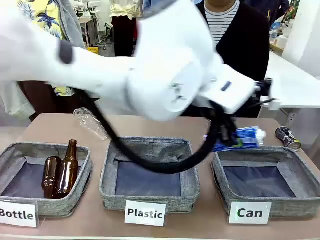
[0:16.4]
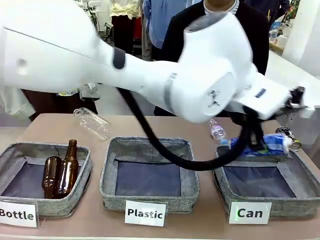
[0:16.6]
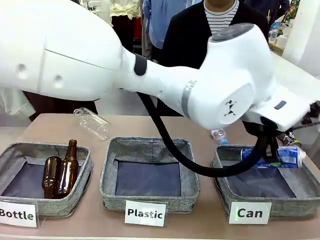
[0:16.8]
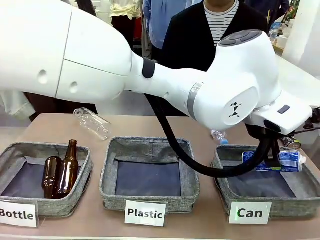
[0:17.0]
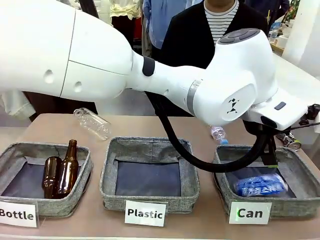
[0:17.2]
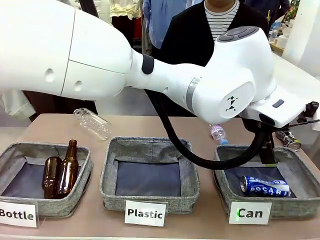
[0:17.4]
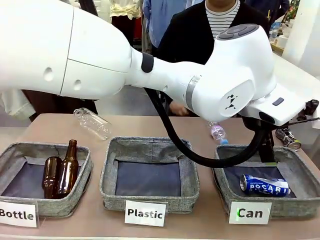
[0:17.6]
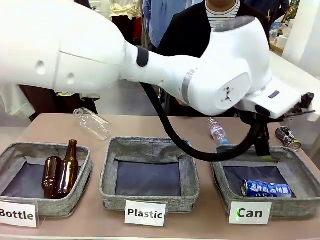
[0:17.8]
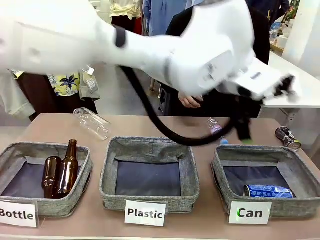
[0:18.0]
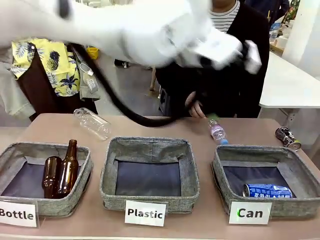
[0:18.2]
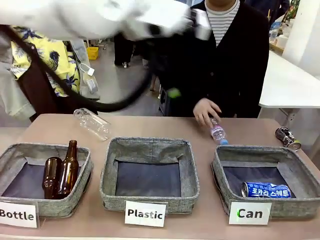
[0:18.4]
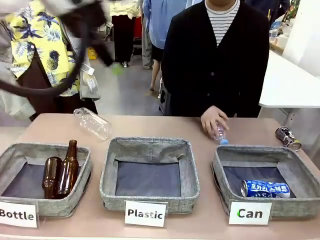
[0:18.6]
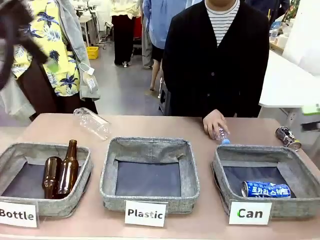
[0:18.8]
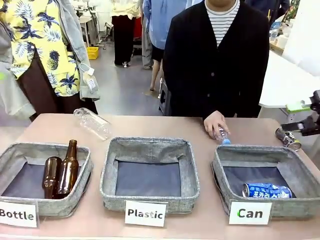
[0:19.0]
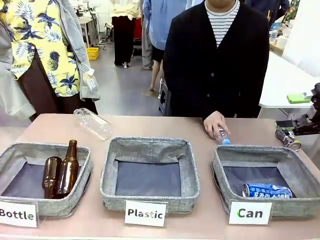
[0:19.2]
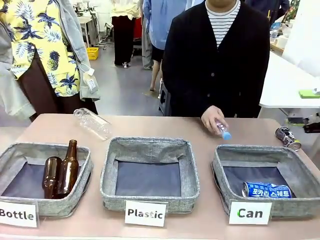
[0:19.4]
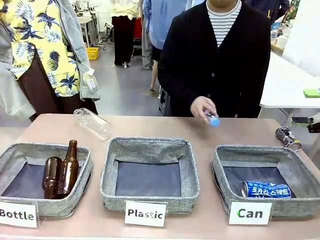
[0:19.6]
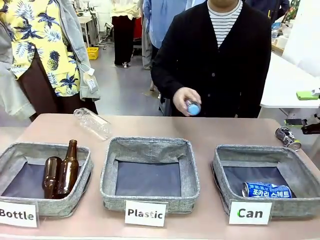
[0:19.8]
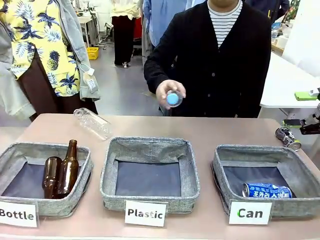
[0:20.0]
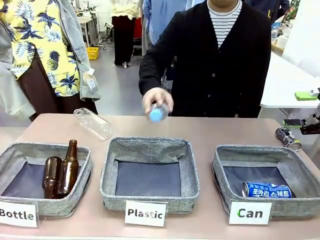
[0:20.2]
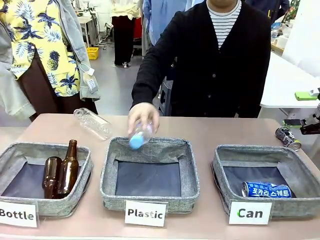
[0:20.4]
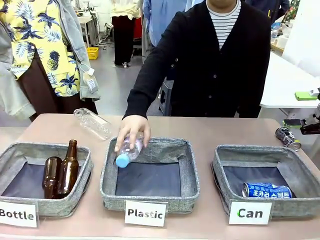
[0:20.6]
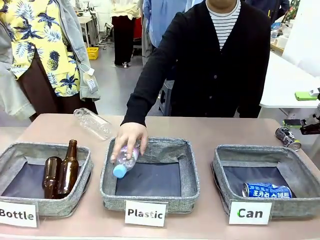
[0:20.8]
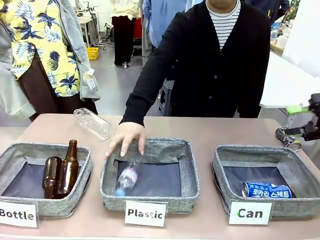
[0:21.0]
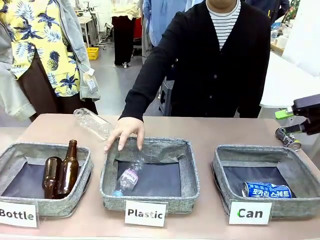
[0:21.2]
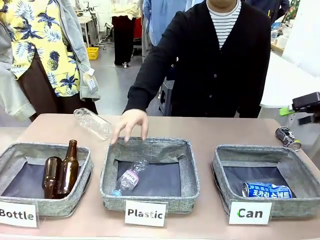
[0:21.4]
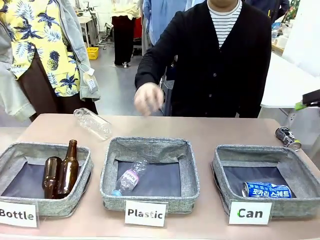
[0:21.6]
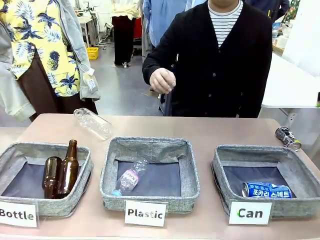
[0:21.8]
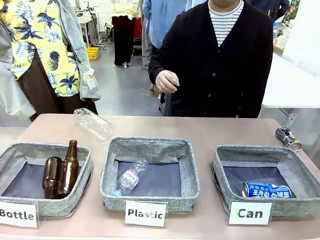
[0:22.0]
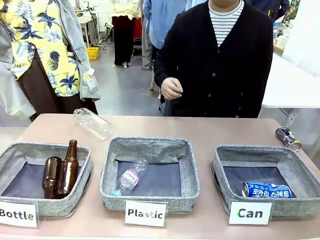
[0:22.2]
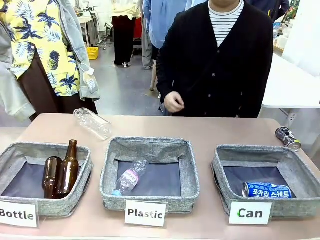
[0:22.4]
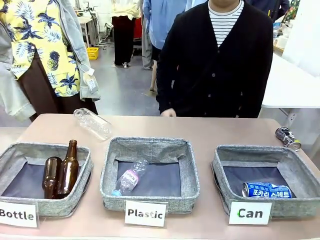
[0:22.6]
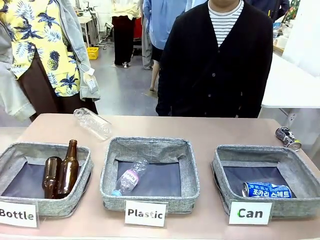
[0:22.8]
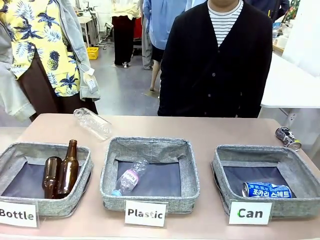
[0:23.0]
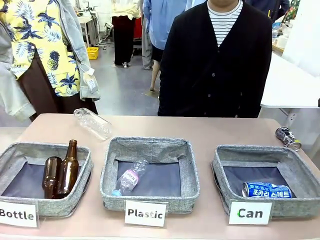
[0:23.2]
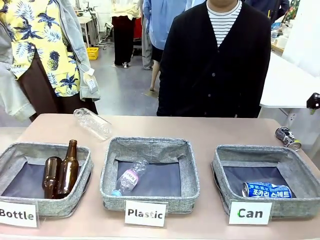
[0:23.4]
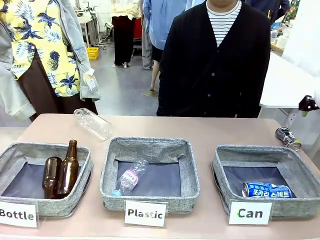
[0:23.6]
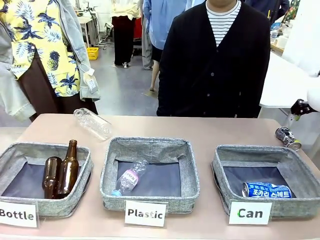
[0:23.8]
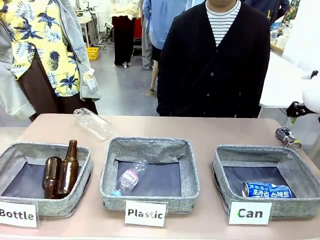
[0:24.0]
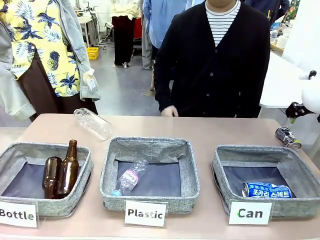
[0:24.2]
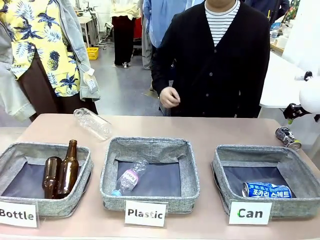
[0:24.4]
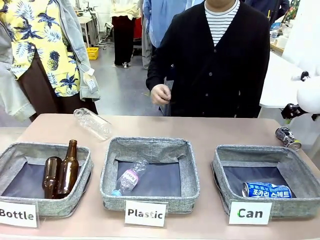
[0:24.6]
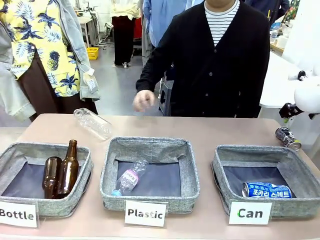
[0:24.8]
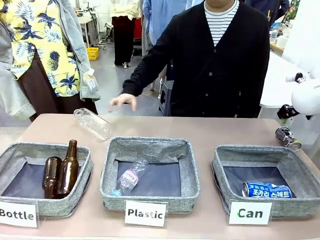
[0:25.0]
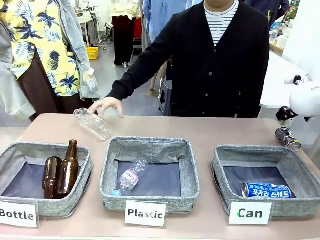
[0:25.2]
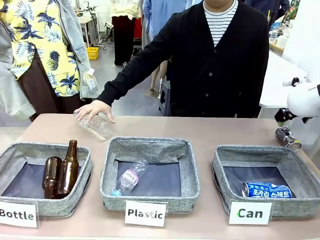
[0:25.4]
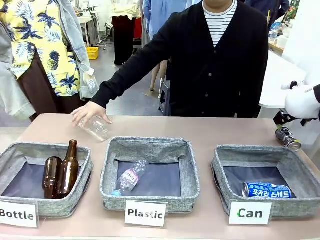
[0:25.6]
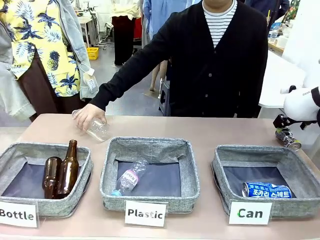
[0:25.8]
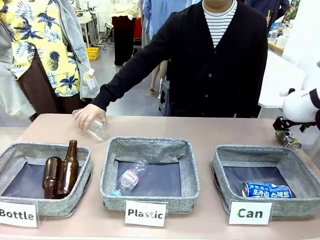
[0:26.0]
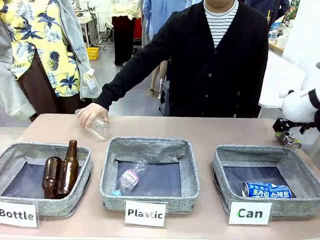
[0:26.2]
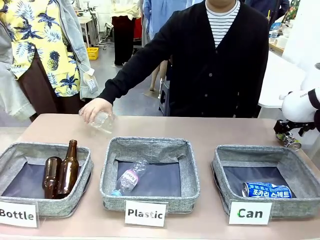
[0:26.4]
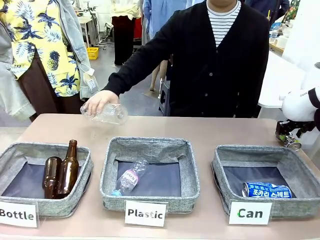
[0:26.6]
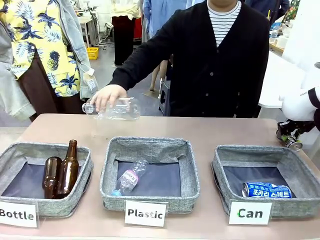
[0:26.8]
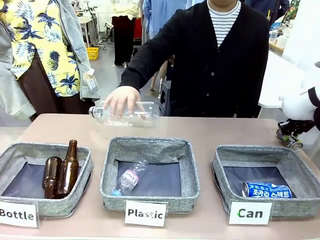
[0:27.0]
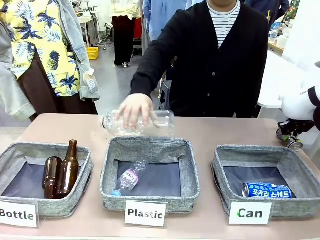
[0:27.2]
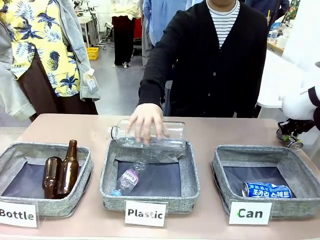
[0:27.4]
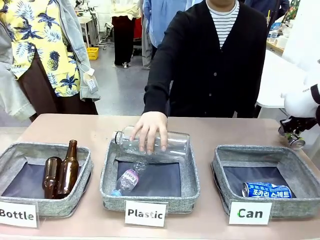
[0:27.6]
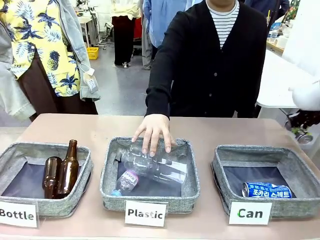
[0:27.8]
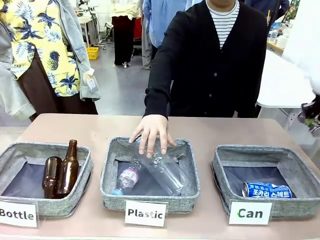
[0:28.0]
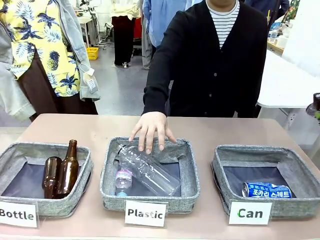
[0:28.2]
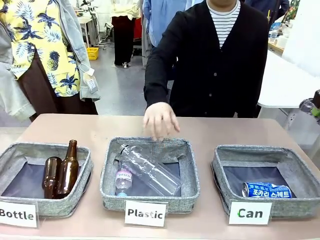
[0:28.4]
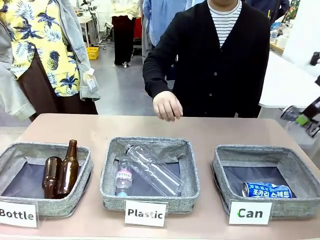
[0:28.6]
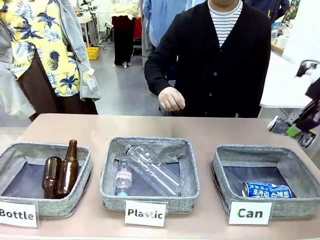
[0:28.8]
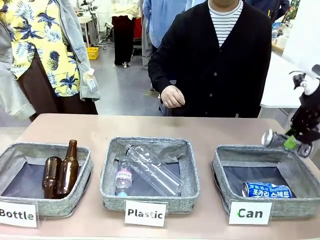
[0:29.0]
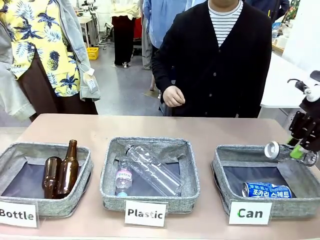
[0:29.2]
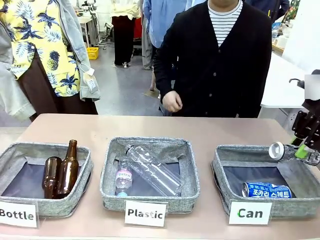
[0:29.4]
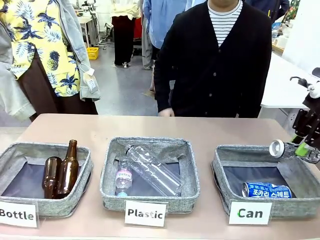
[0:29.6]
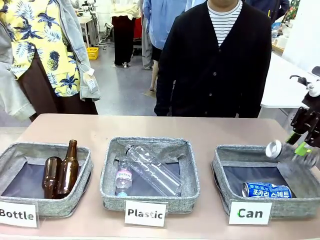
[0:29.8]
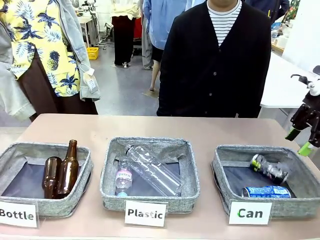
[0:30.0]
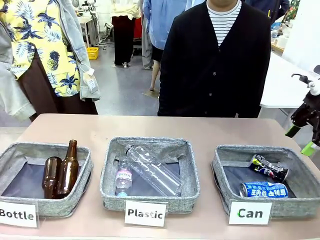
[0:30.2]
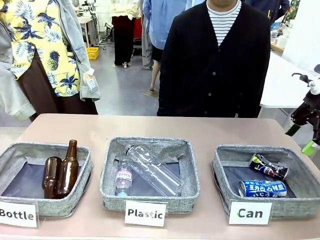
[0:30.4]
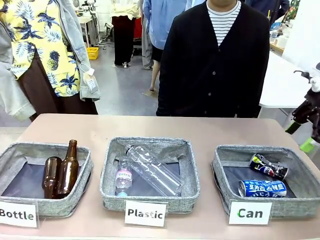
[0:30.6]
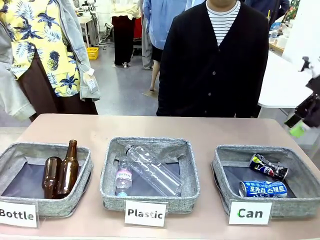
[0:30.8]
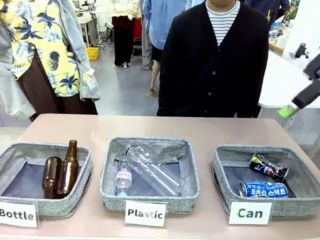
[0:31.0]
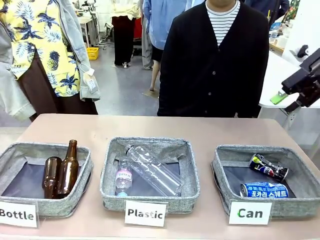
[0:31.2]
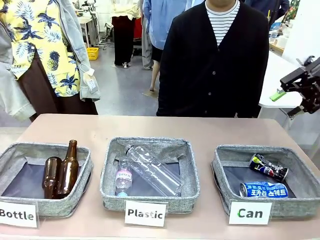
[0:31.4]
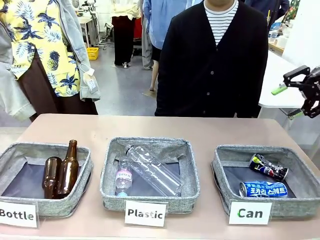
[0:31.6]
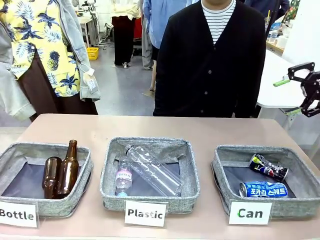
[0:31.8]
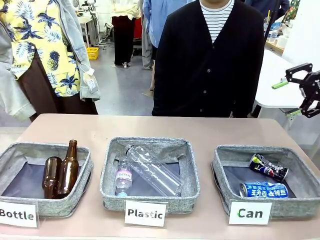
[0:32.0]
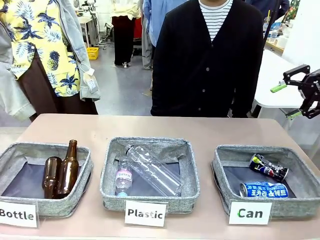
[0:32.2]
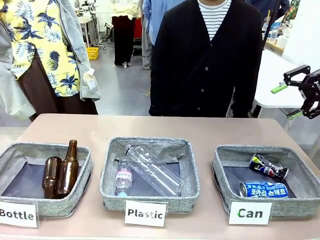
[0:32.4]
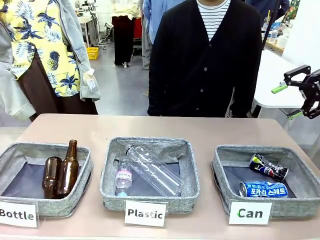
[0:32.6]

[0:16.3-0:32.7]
Task: Sort the can waste into the basket.
Robot: Pick up the can waste from the table and place it in the right Fabric basket.
Person: The human picks up one piece of trash that is not a can and places the trash into the appropriate organizing basket.
